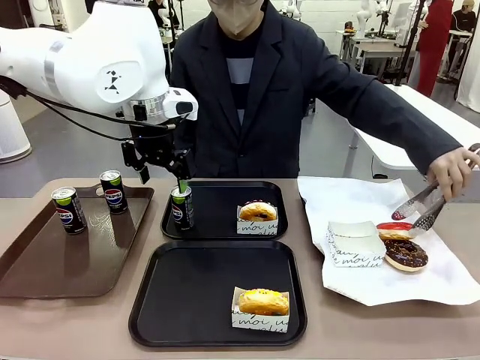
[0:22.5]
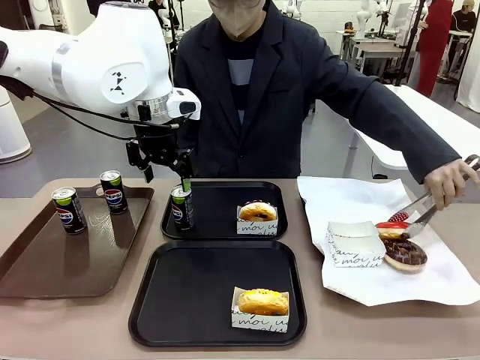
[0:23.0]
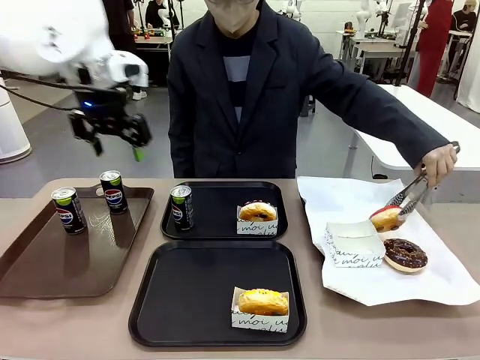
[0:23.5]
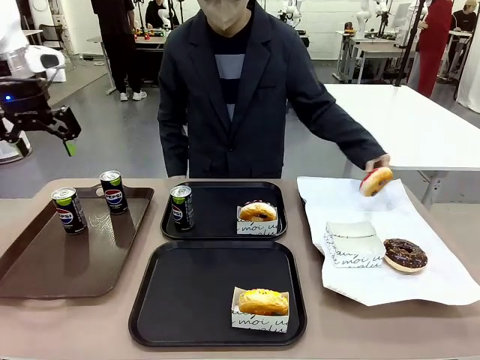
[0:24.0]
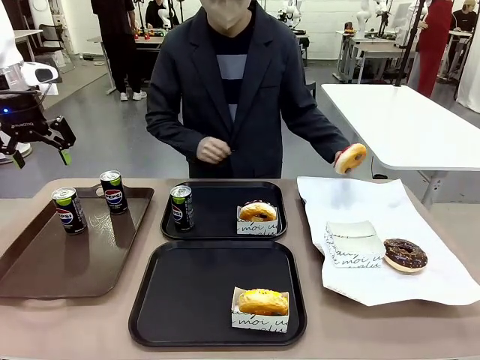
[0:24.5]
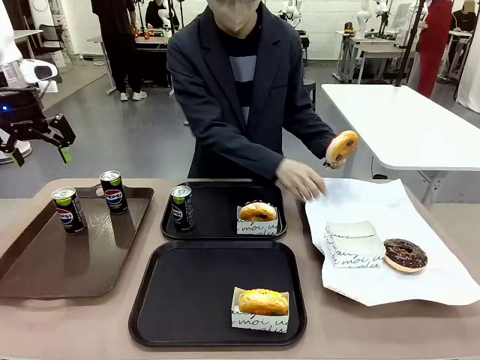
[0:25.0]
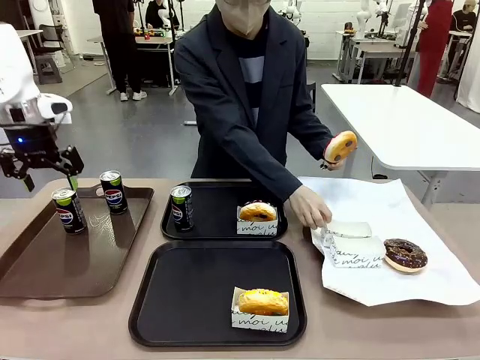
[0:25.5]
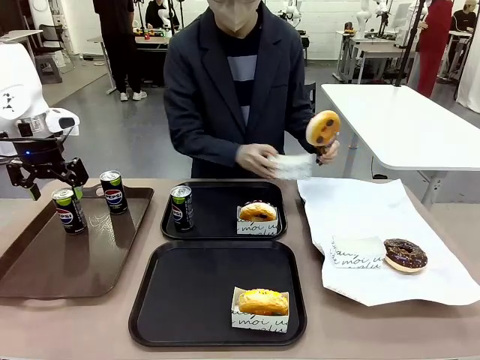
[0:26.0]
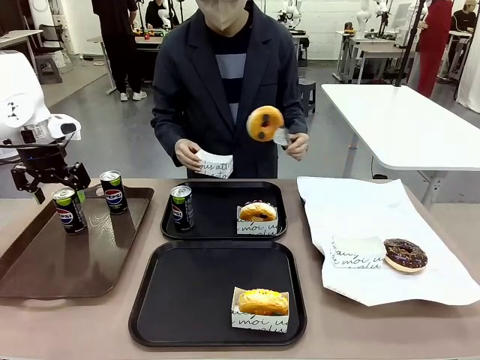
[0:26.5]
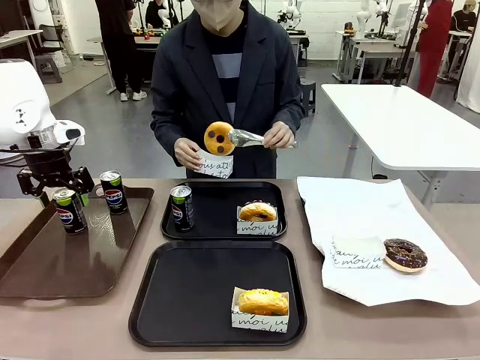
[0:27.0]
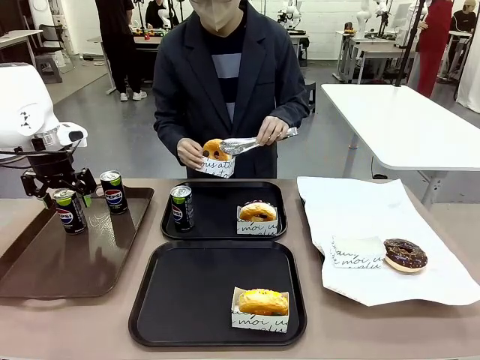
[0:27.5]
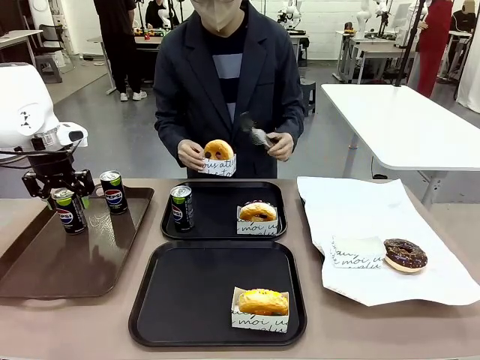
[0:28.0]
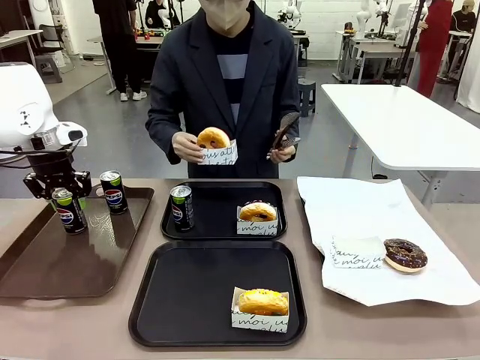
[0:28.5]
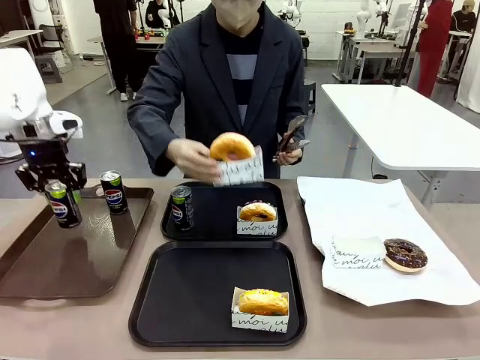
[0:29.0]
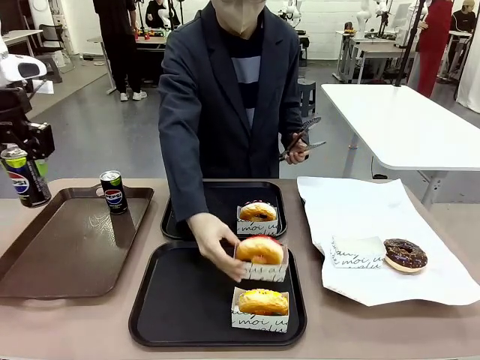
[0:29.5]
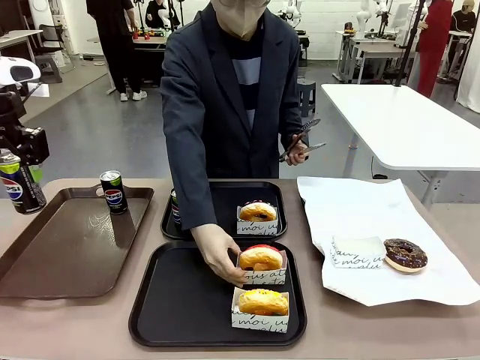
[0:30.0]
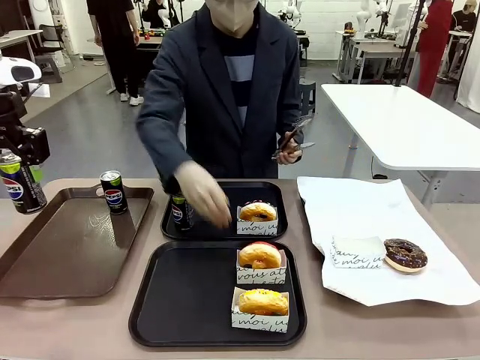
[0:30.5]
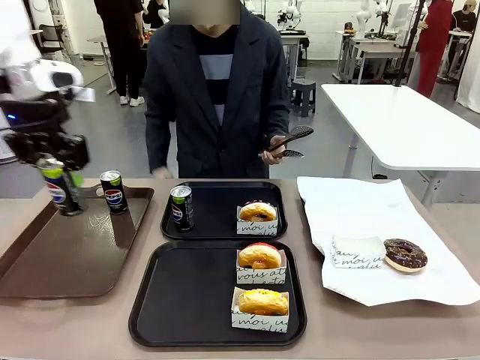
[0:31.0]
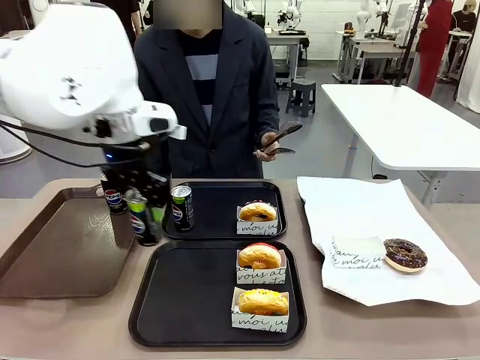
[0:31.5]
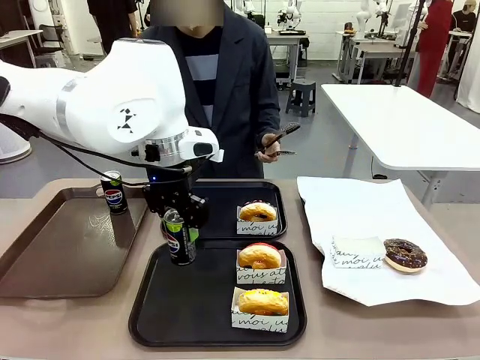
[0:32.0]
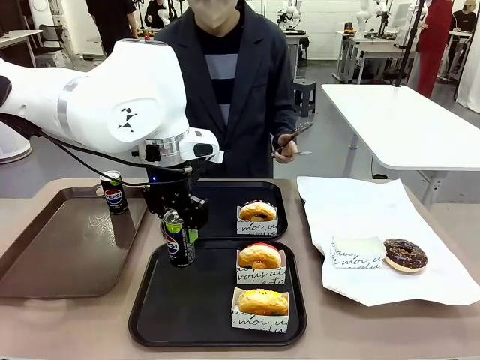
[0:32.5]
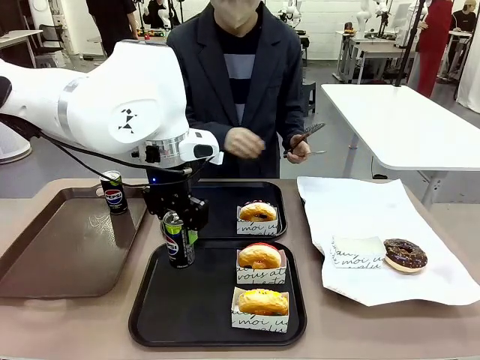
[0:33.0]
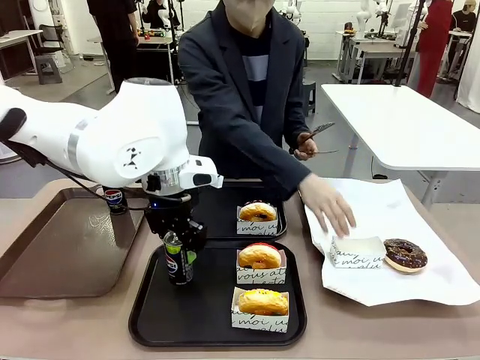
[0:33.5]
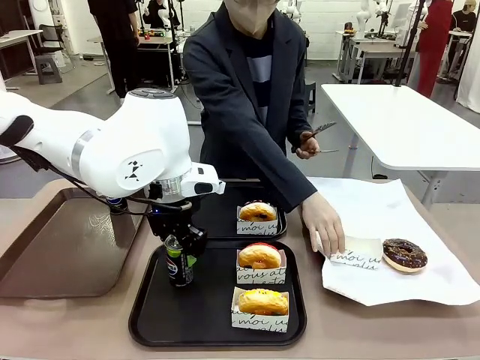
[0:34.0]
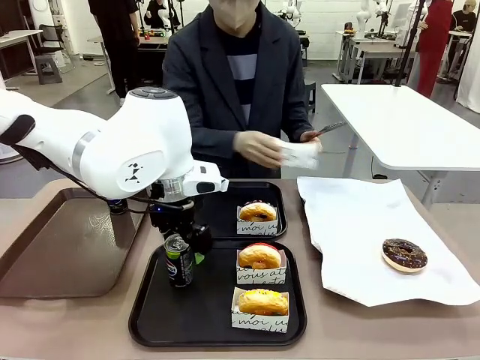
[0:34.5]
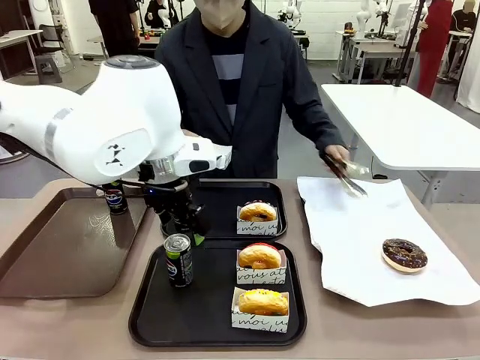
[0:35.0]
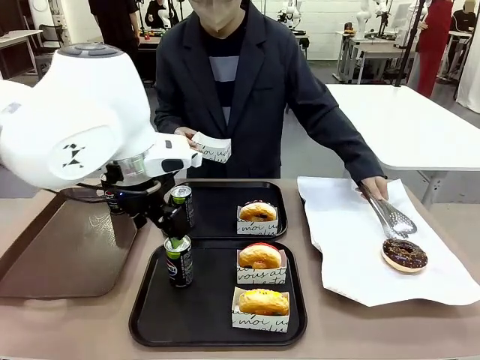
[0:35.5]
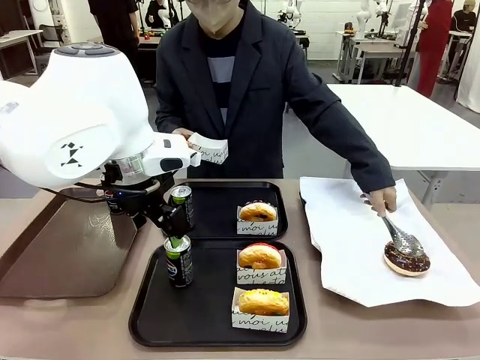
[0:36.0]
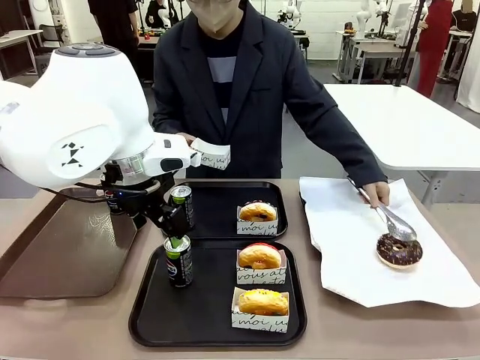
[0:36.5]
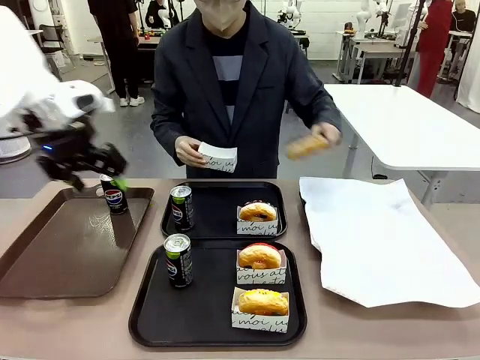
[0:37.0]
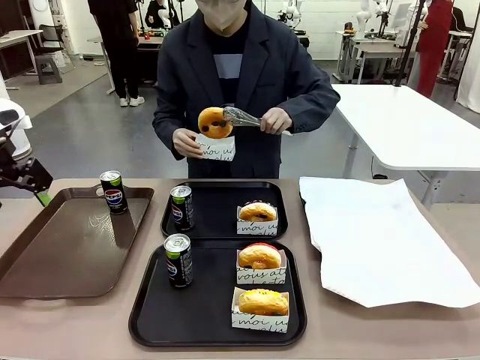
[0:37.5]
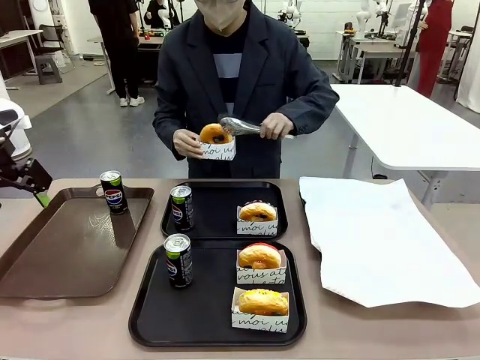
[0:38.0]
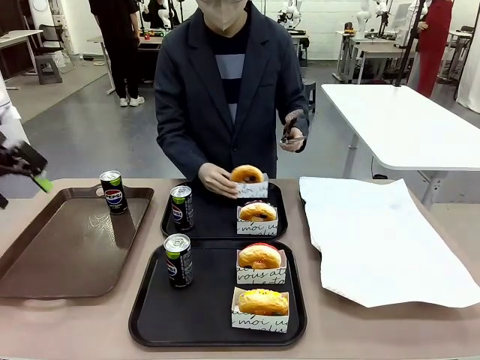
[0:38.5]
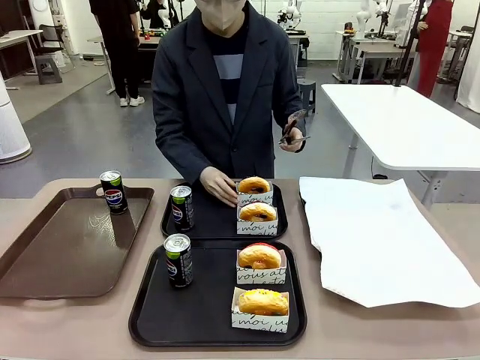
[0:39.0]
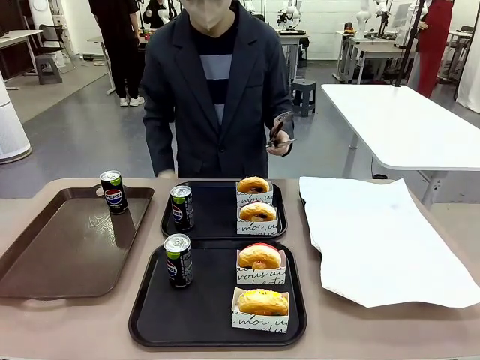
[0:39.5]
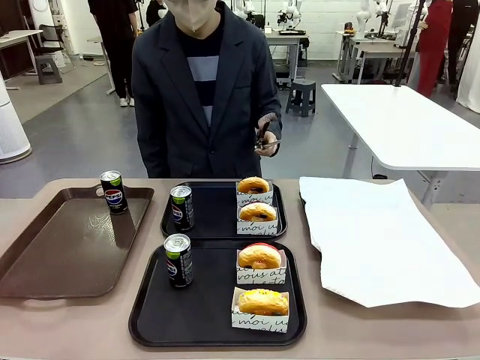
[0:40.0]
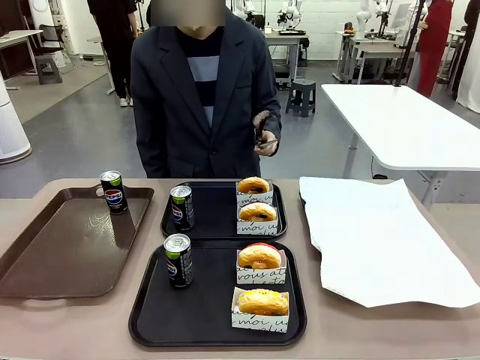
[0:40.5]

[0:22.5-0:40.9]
Task: Set up donuts and drinks on trays.
Robot: Pick up one Pepsi coke from the Handle tray and place it on the Flat Tray without a Pepsi coke.

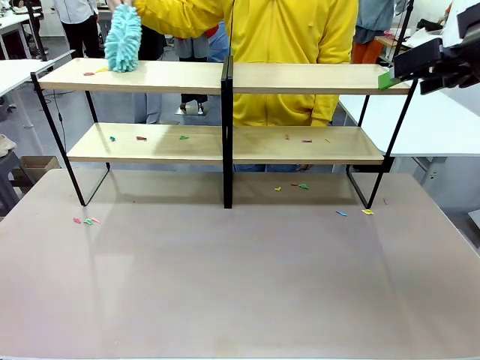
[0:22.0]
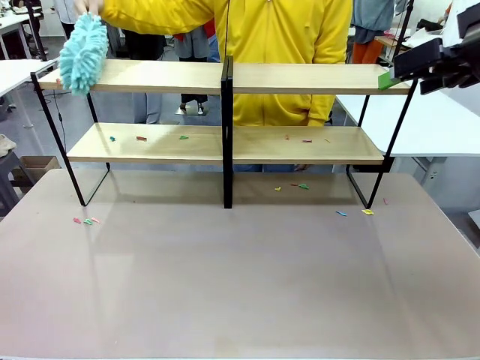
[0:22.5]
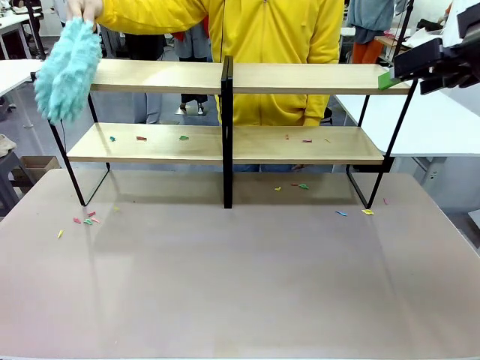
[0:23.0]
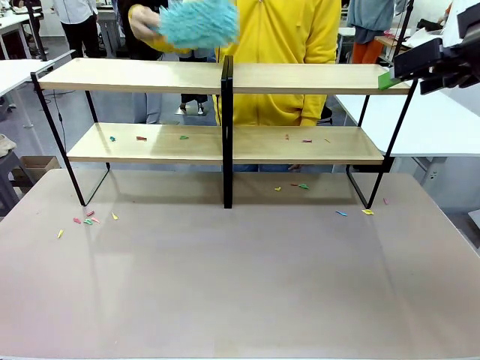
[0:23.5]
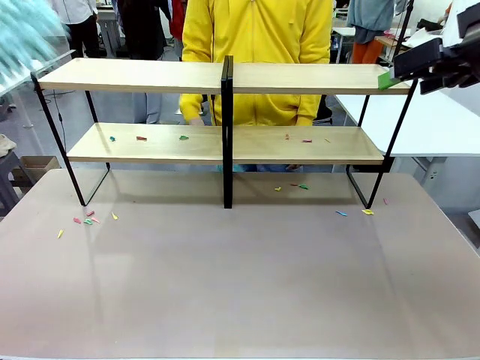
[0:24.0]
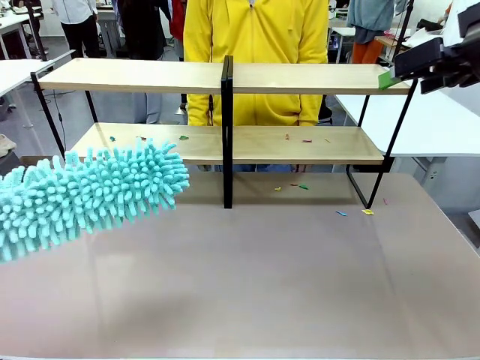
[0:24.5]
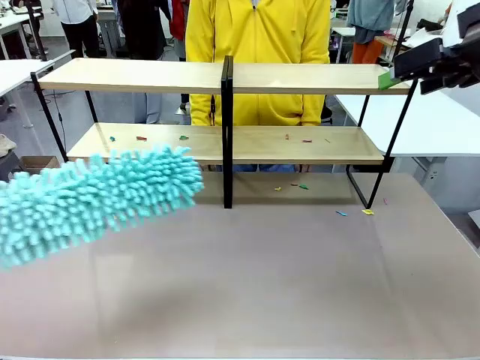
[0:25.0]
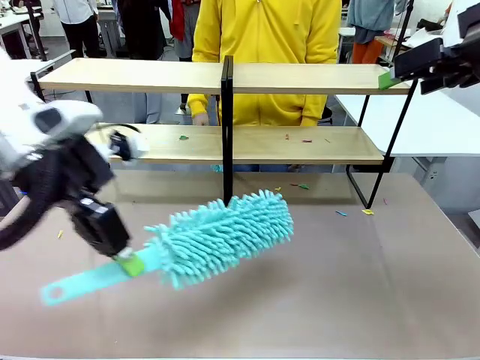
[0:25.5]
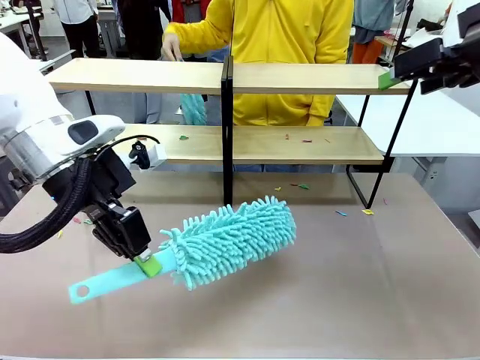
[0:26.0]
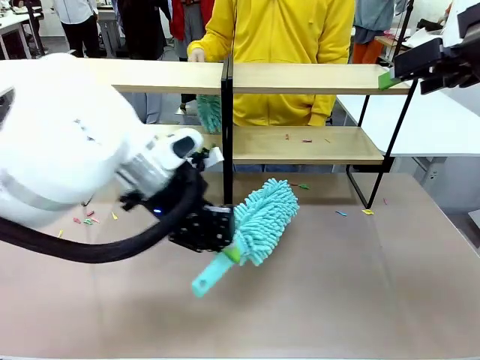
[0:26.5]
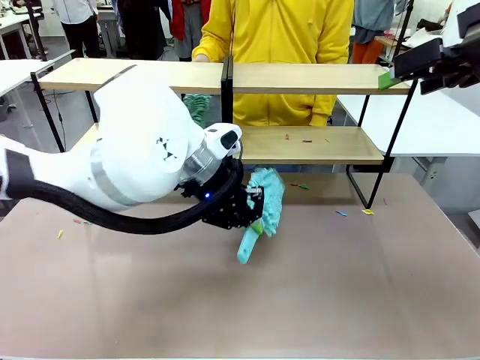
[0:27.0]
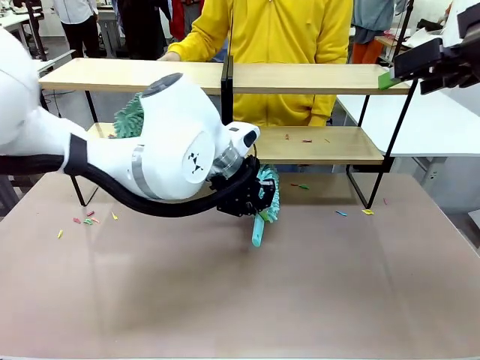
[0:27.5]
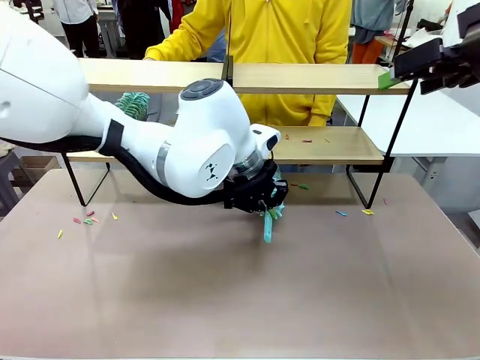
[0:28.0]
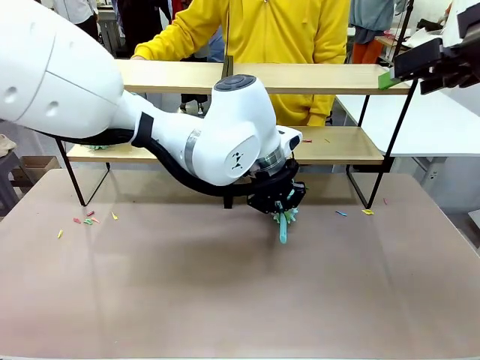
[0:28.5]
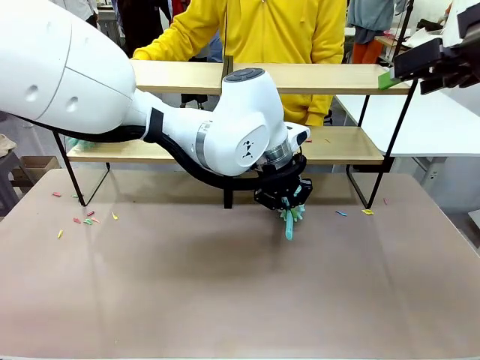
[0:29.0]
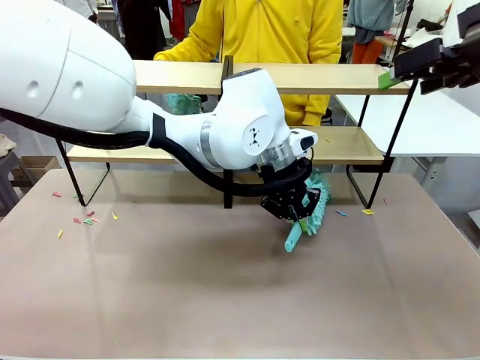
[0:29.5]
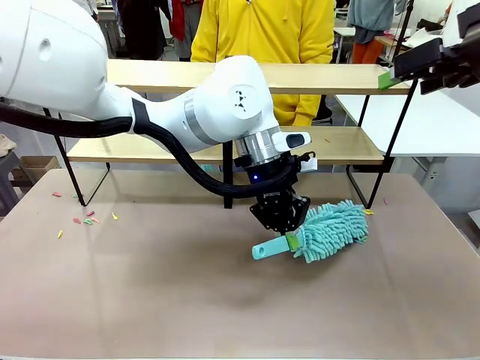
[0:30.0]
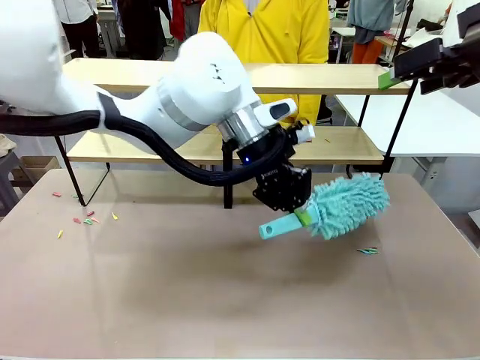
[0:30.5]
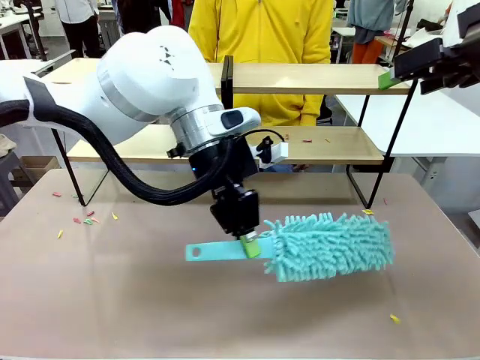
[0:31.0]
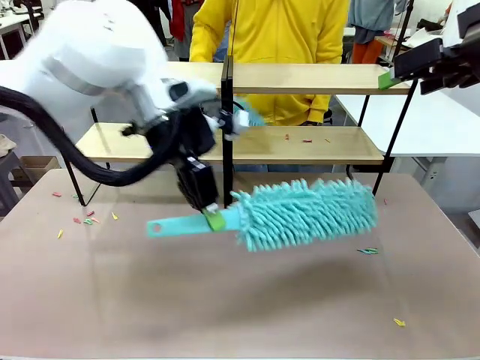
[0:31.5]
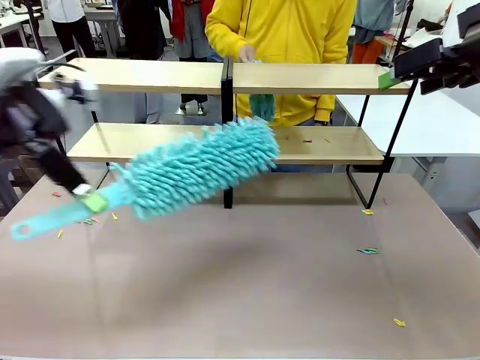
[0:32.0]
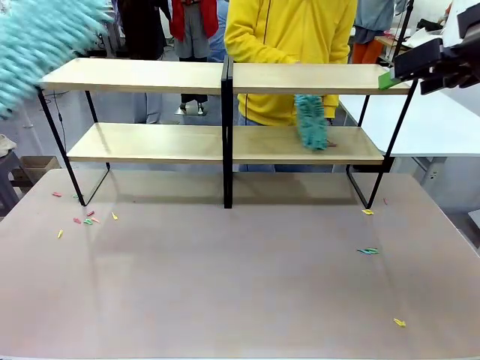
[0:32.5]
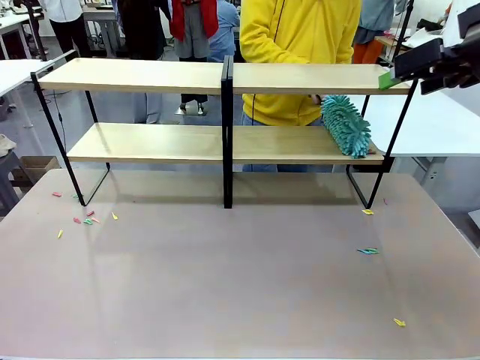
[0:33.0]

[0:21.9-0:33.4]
Task: Clean the shelves.
Robot: Clean another randomly selected level of the Shelf with the Duster.
